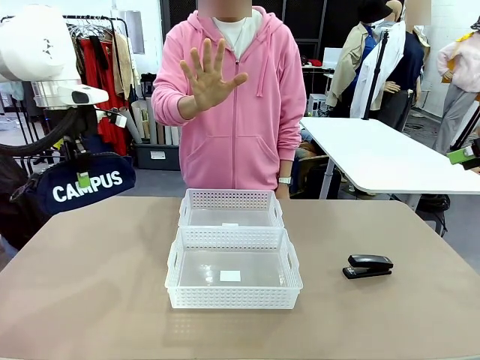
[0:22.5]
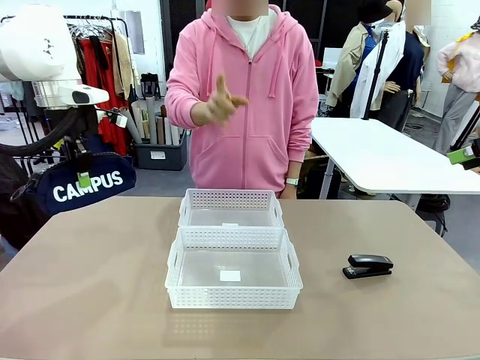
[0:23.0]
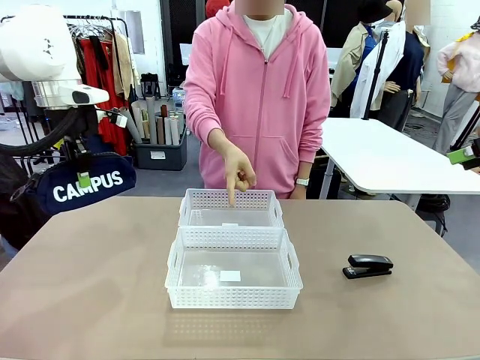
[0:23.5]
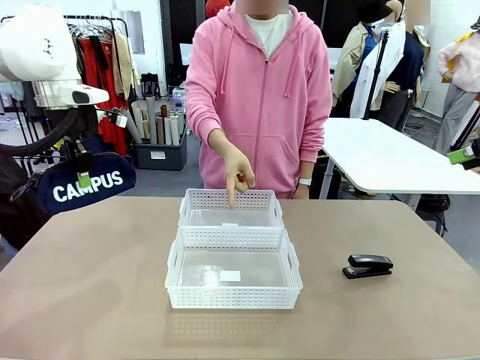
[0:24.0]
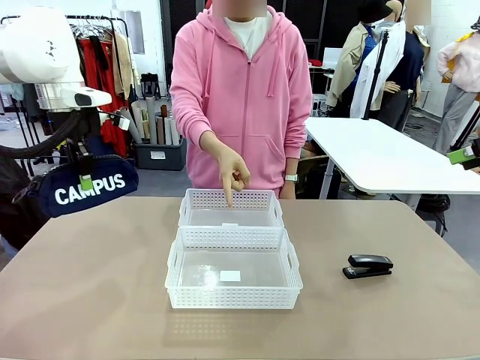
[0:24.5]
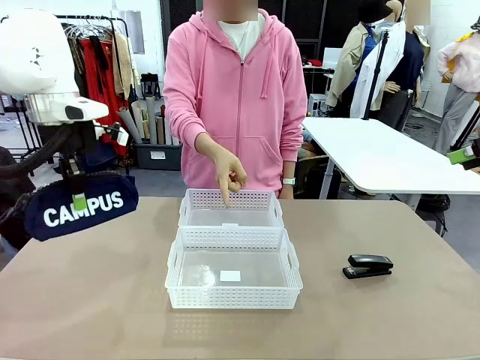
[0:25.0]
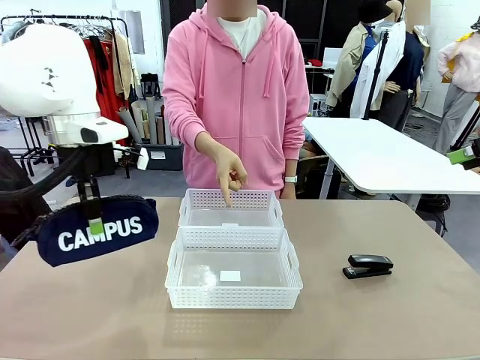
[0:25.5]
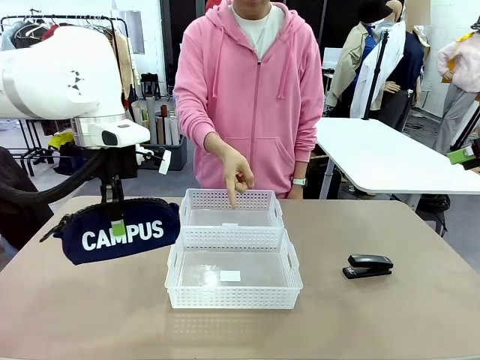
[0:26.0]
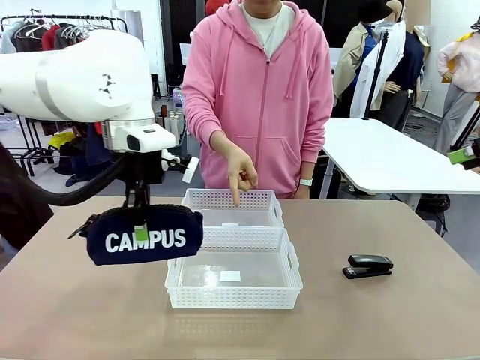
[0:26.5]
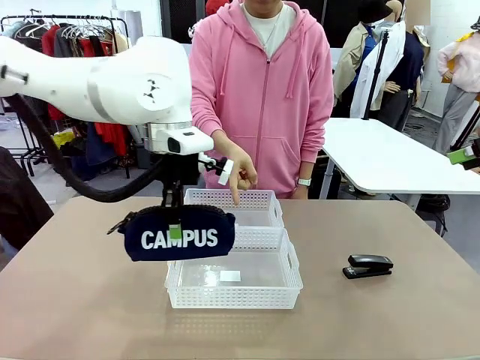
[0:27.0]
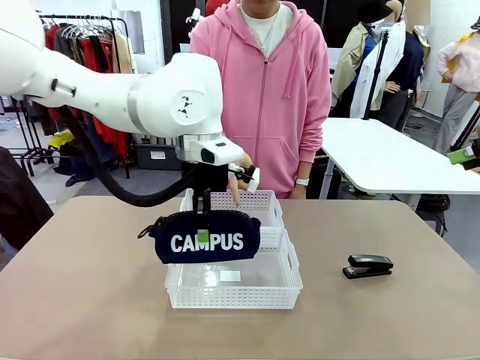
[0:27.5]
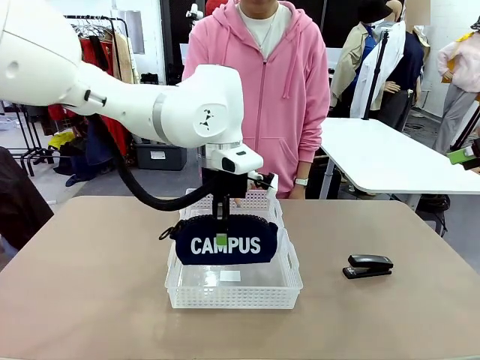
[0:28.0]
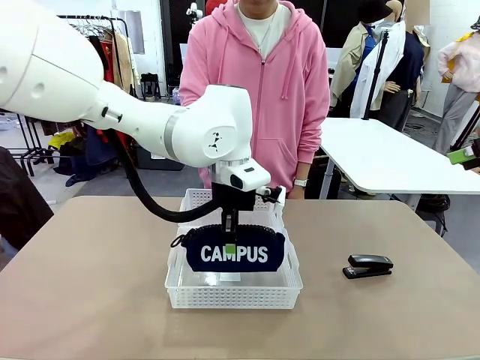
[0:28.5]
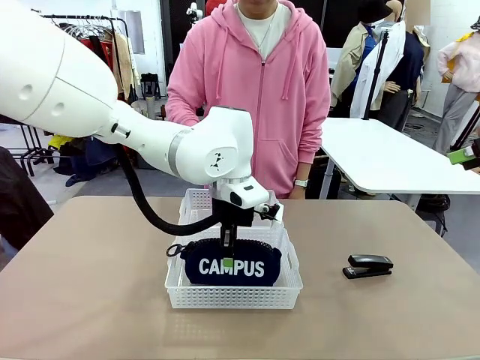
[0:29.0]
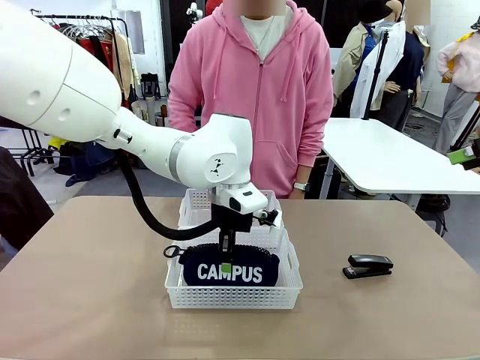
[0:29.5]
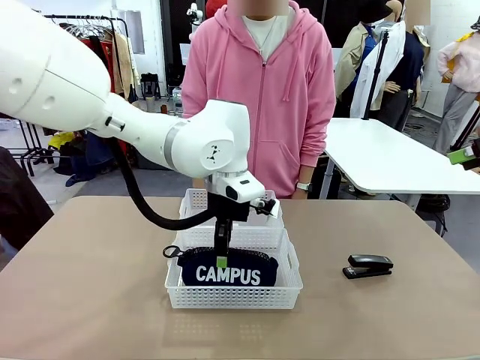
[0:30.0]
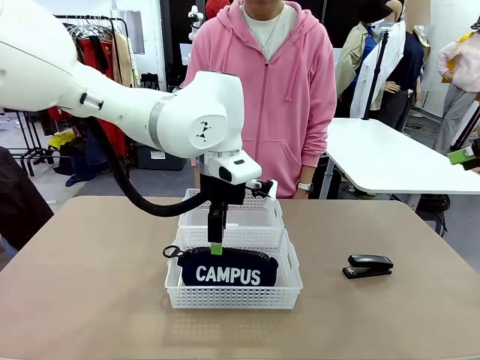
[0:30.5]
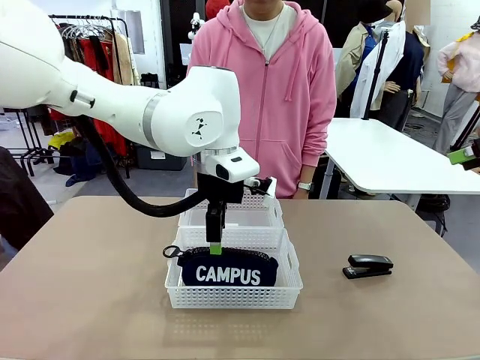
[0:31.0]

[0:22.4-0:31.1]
Task: Distribute items into two baskets.
Robot: Place the picked Pencil pouch into the Organizing basket as instructed by the person.
Person: Instructs the robot to place the pencil case into the opposite basket. Points to the stapler.

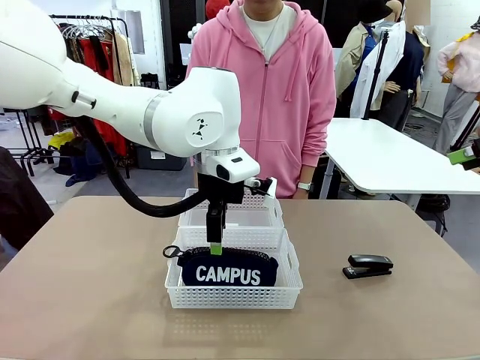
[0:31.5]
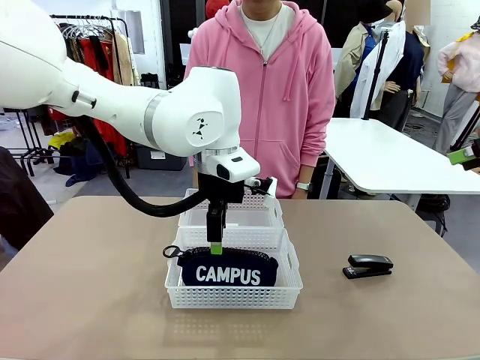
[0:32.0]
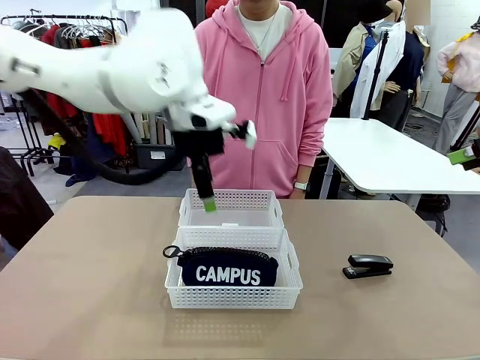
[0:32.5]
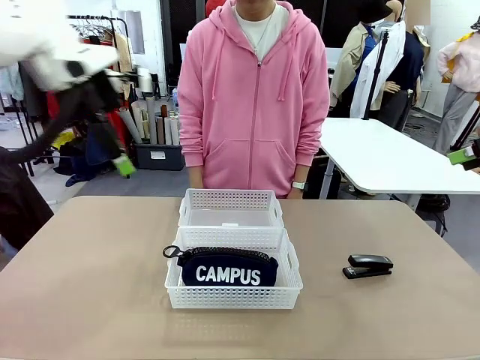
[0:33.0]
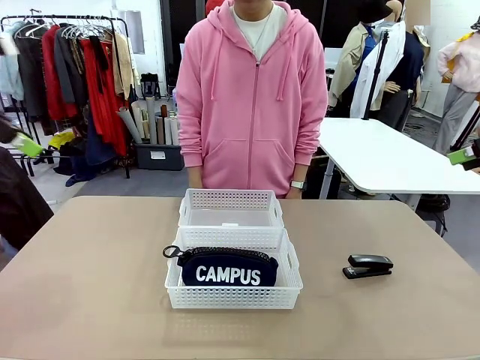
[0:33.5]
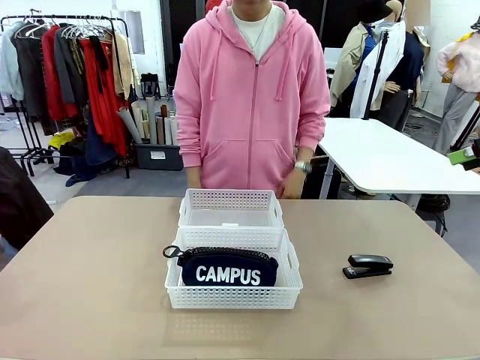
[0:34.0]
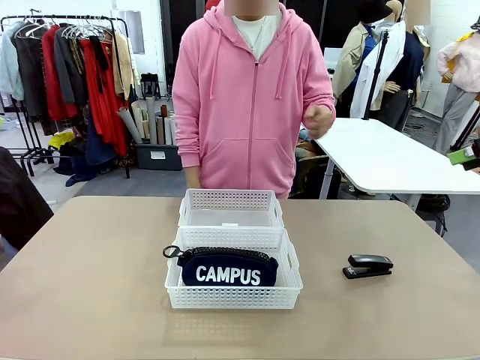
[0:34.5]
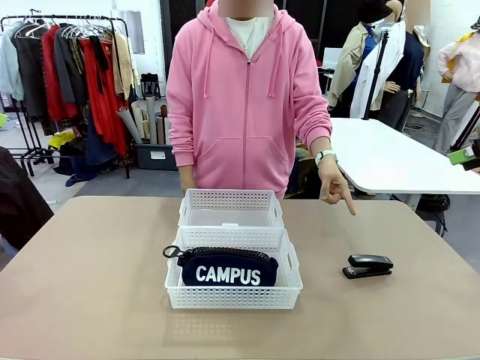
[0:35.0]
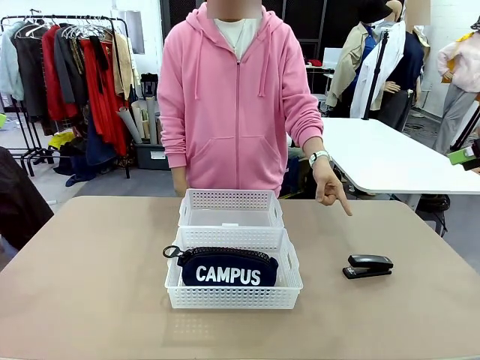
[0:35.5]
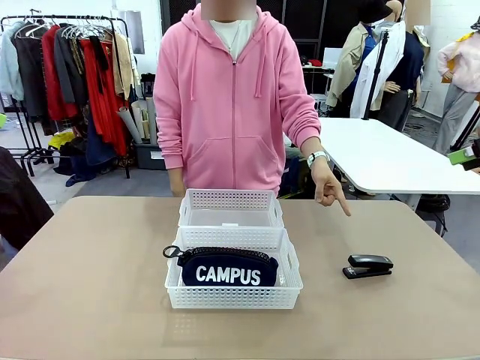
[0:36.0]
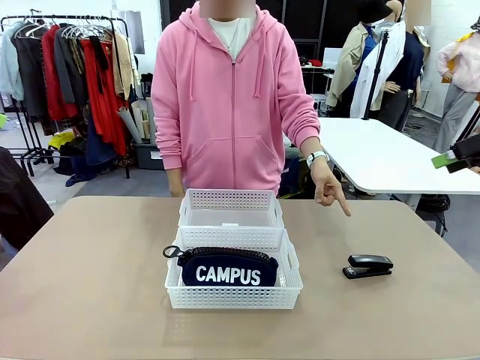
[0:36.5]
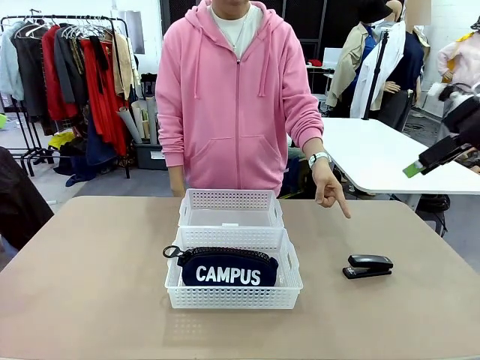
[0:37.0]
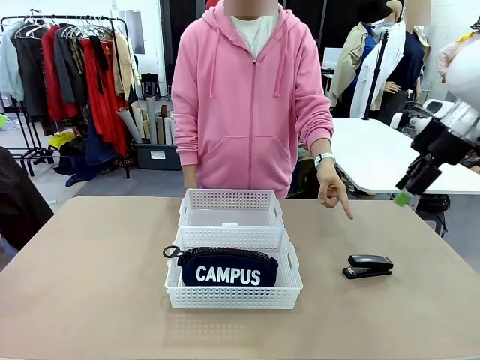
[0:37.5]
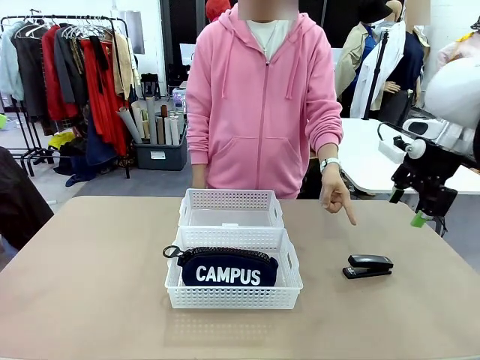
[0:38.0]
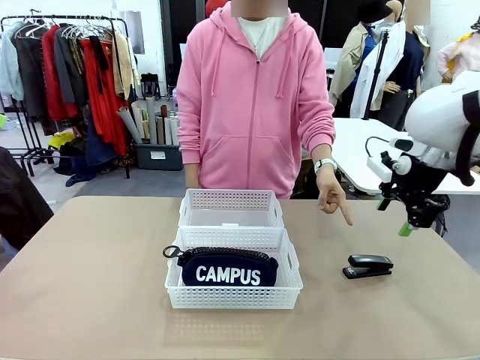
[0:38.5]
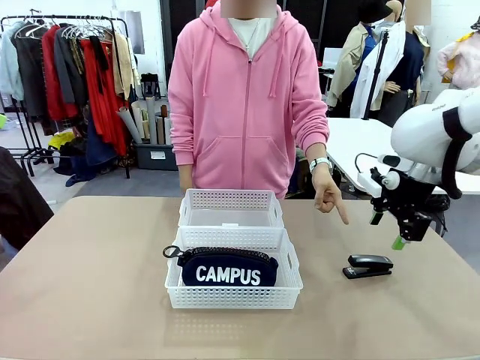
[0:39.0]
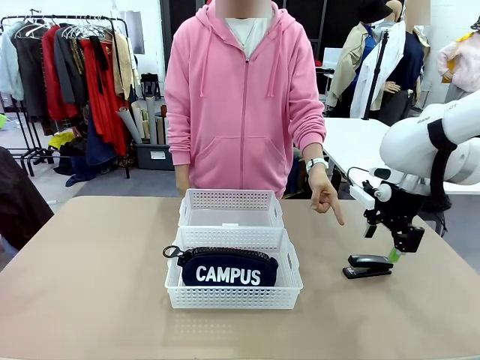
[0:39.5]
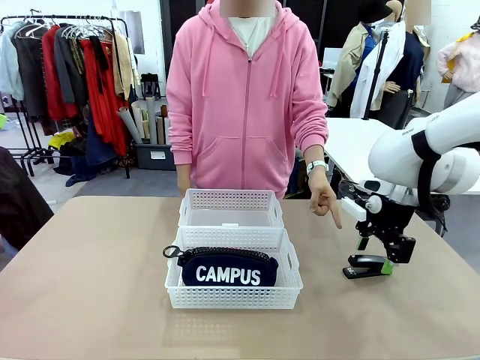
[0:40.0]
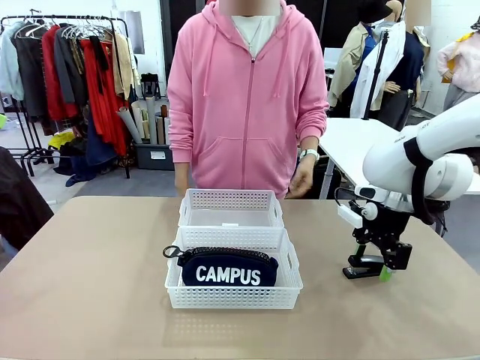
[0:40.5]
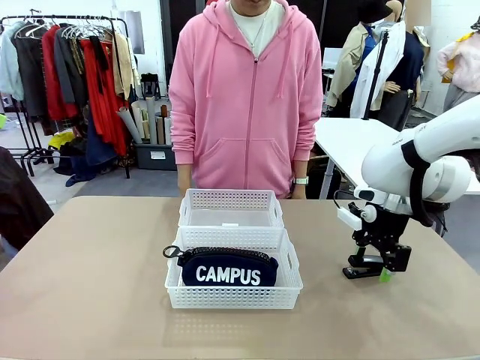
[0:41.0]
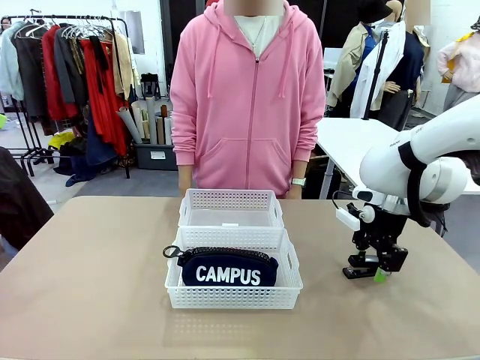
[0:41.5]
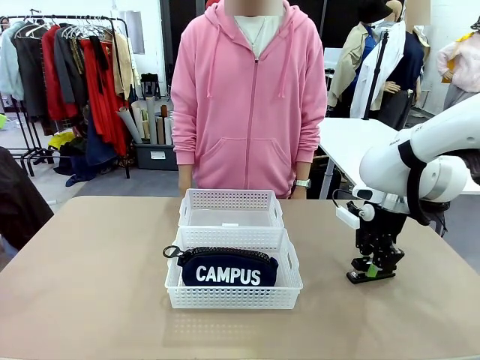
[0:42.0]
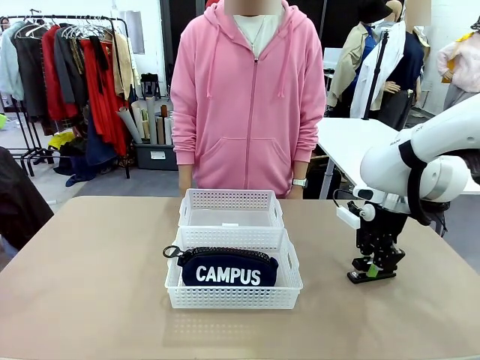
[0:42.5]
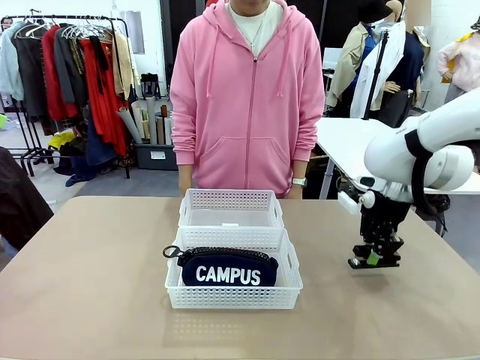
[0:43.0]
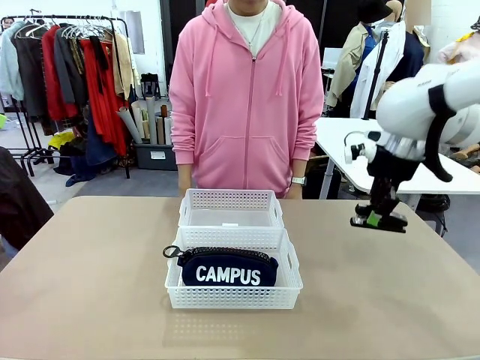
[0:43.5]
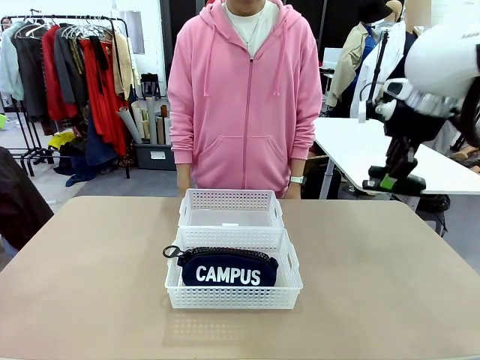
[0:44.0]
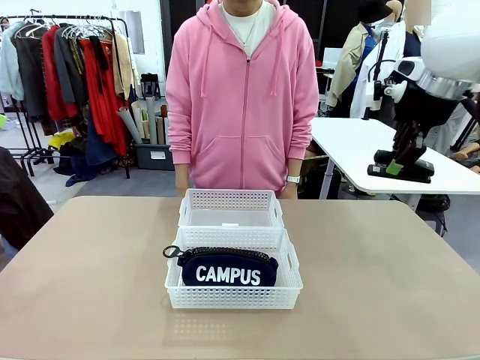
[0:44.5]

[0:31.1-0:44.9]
Robot: Pick up the Stapler that the person points to.
